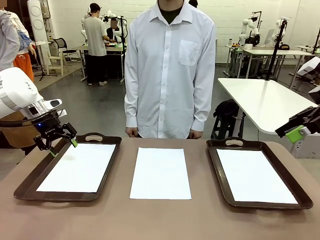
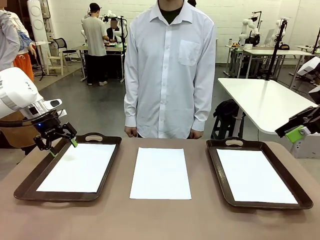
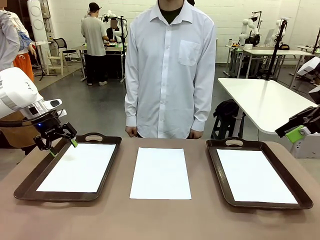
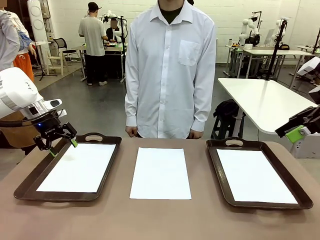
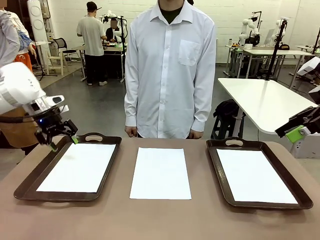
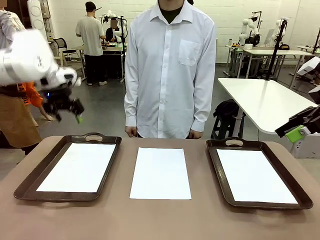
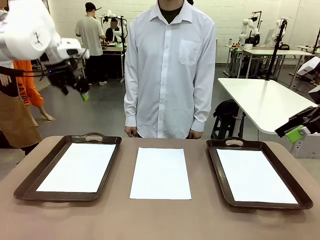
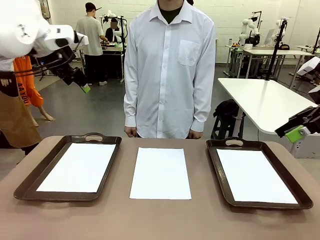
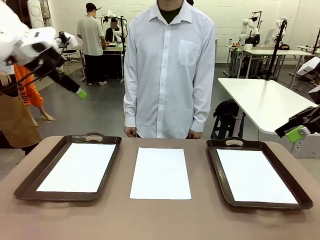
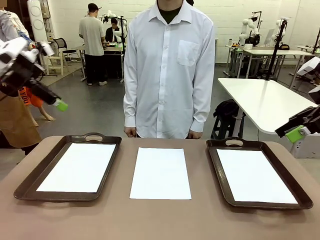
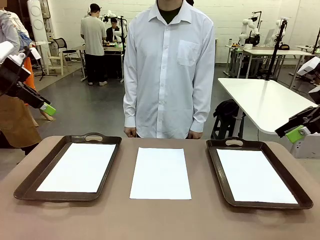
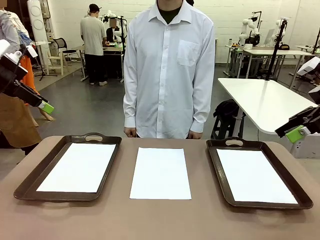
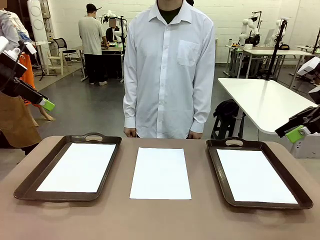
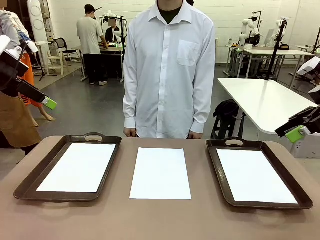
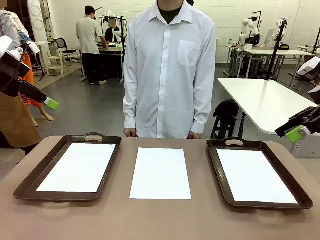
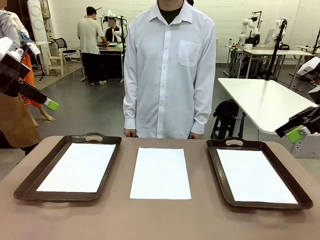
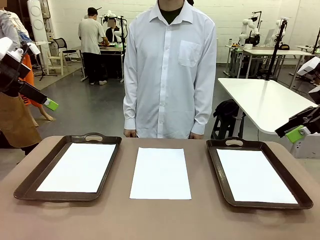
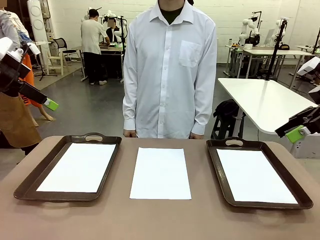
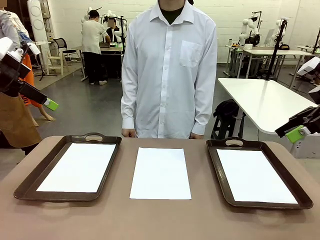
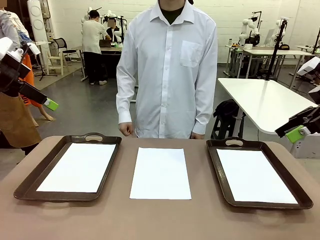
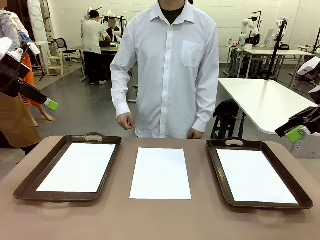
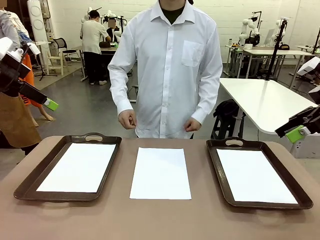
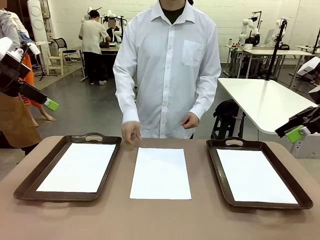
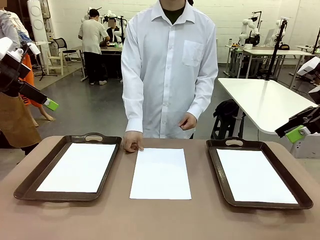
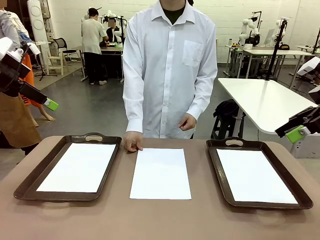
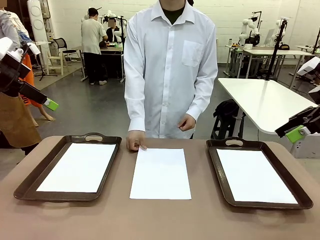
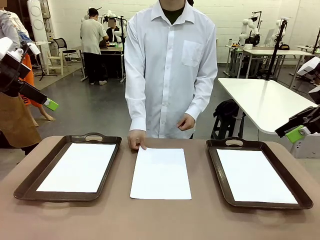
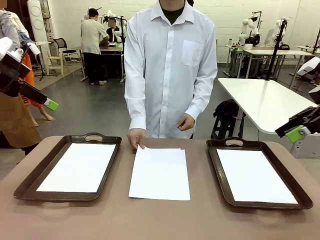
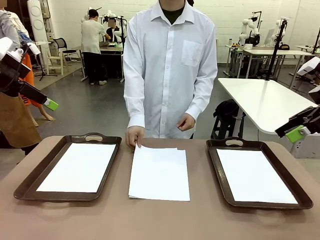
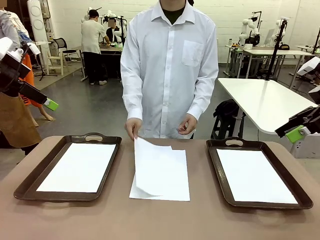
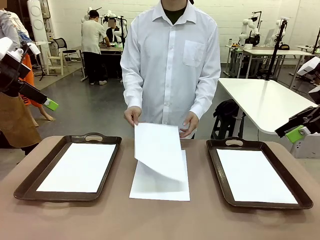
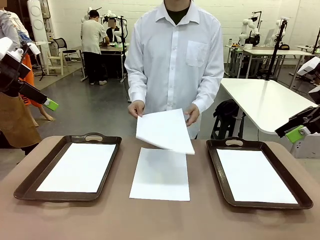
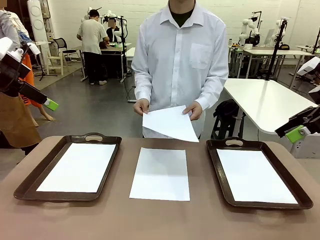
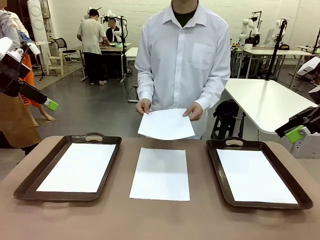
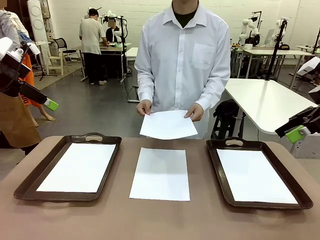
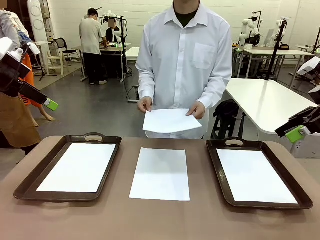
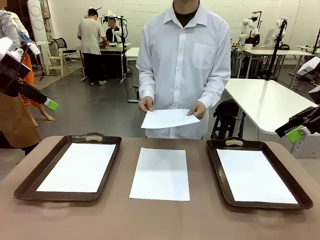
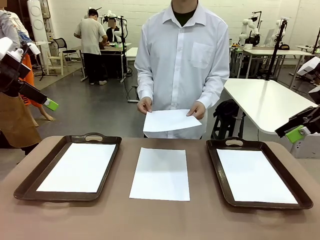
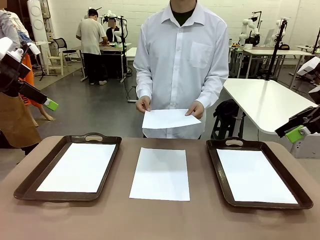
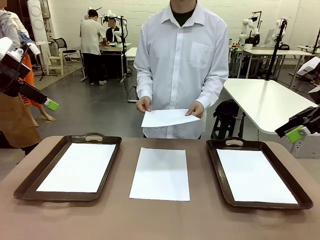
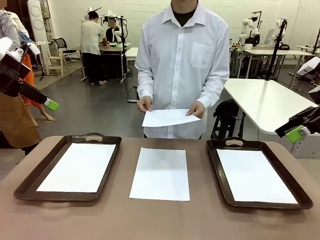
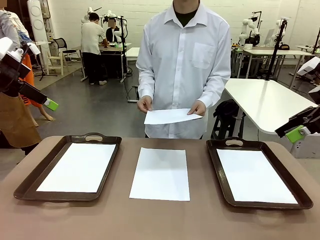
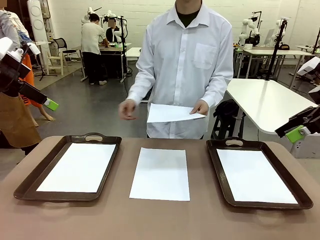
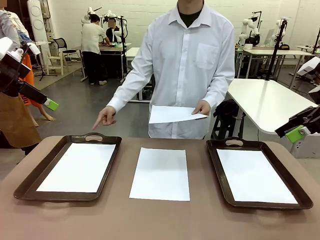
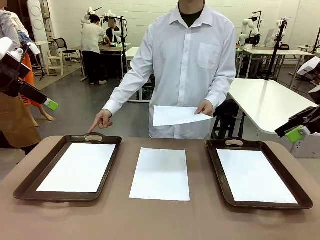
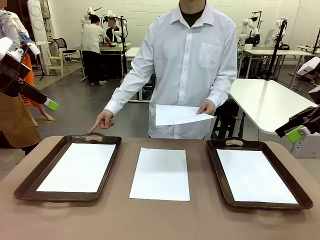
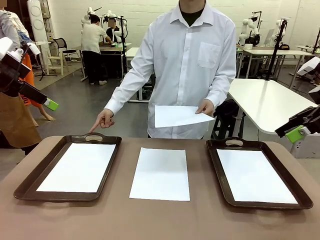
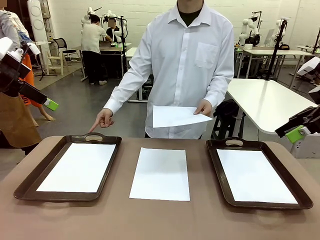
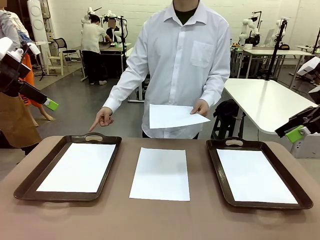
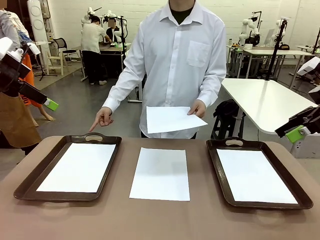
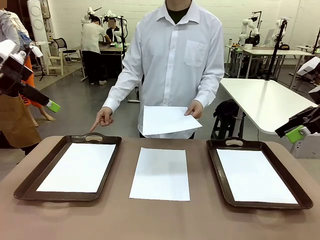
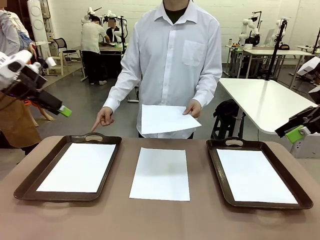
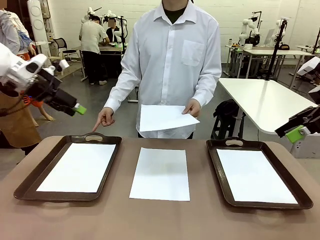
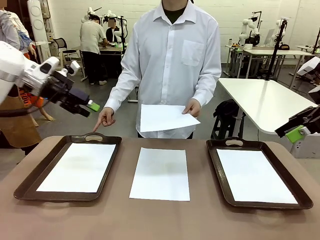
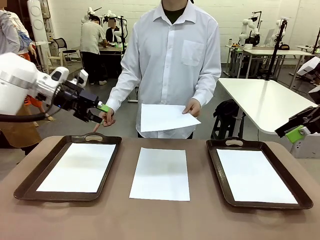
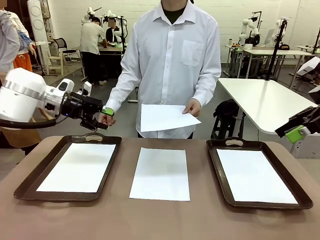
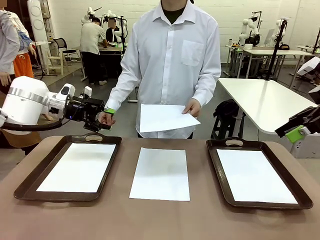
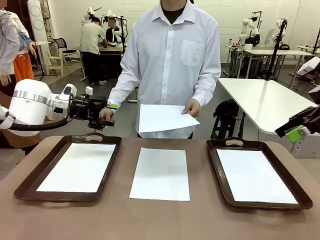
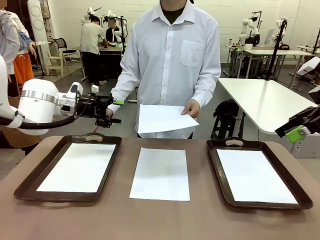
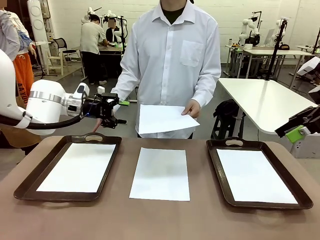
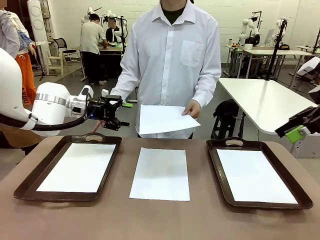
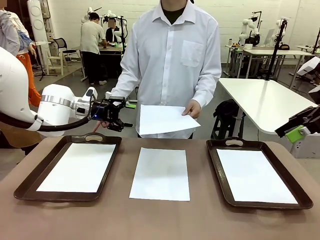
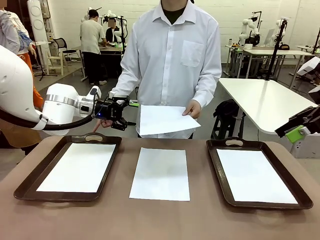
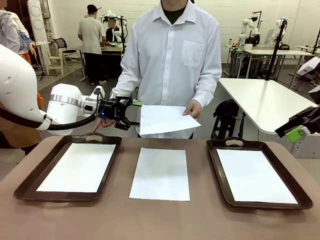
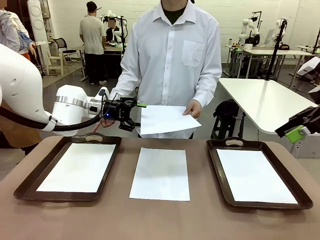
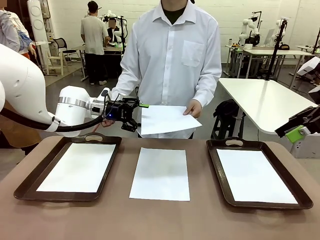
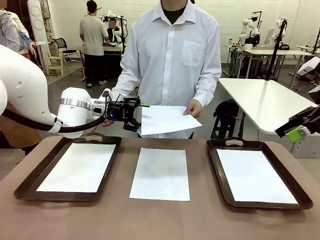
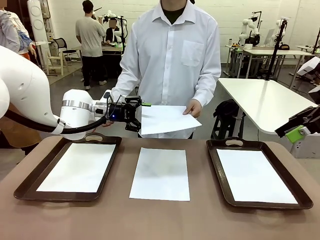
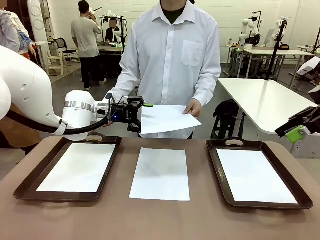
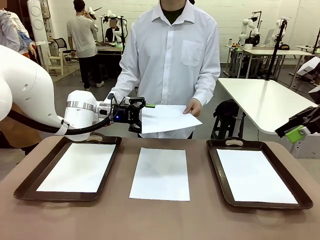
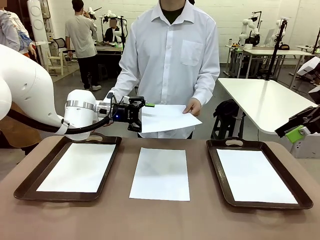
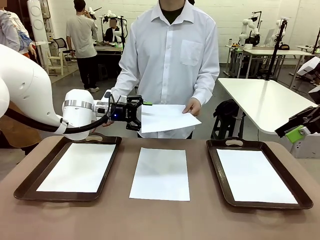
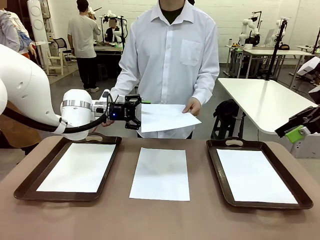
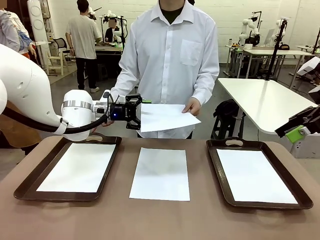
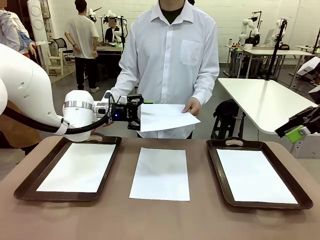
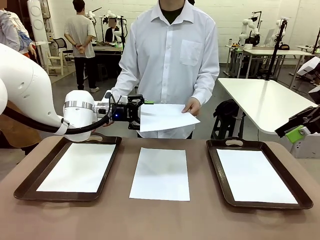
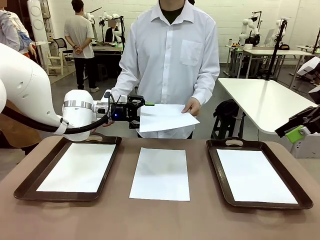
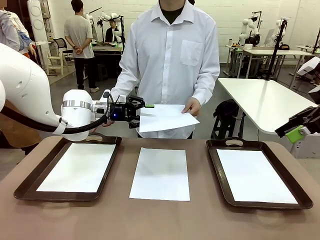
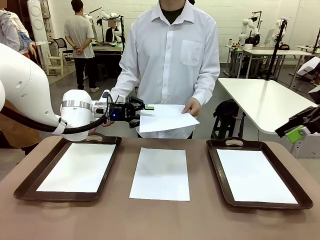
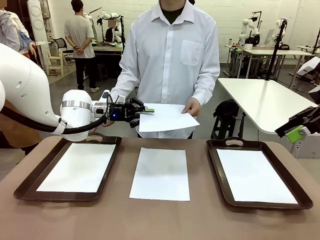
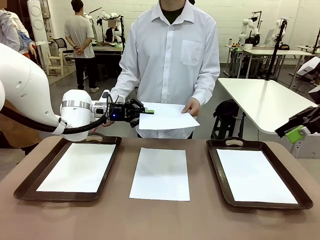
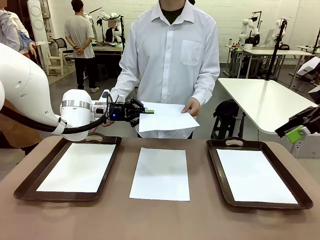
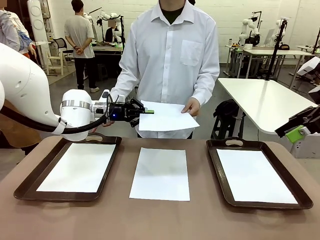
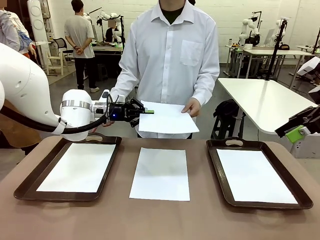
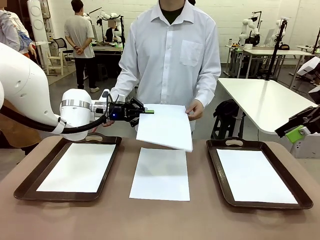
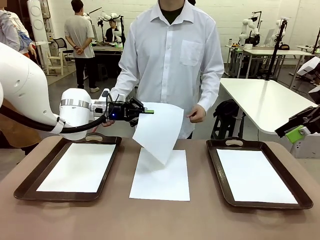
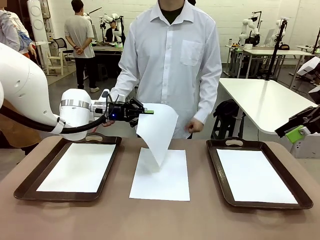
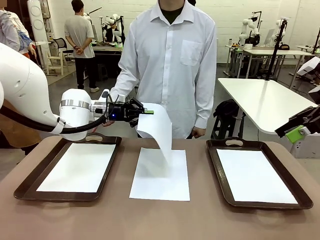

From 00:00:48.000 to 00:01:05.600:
Task: Sort the A4 documents.
Robot: Receive the A4 Paper.
Person: Point the randomly selected tray with the other hand.

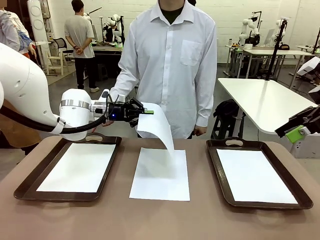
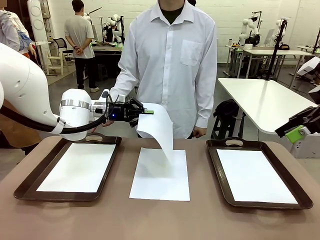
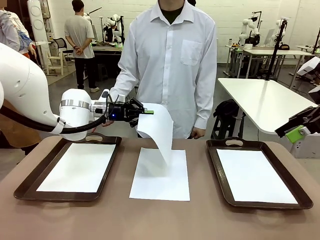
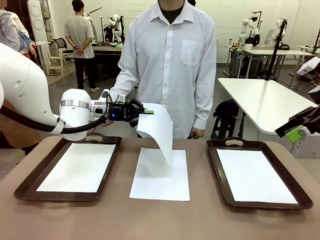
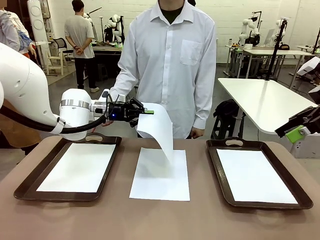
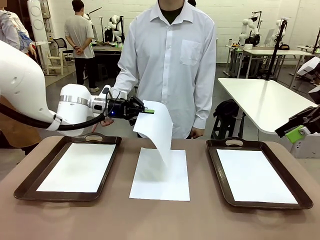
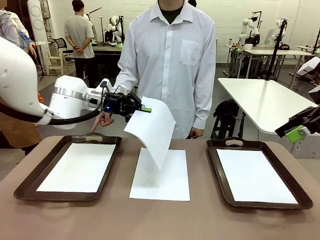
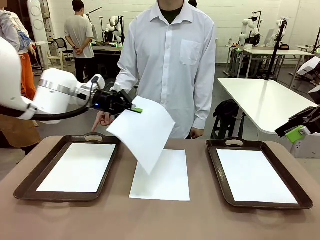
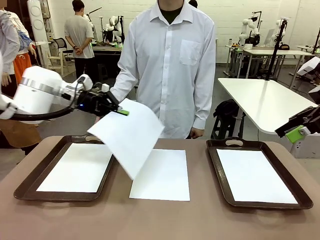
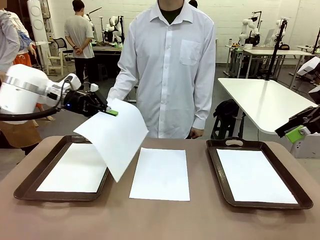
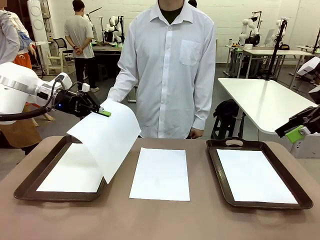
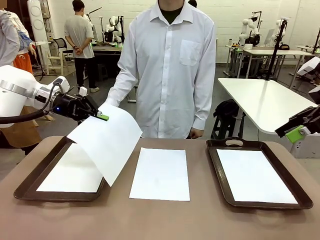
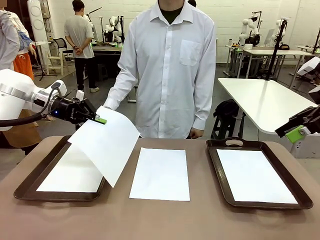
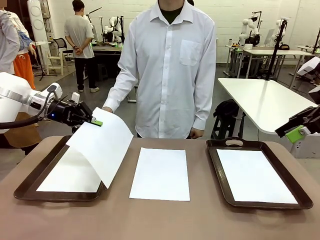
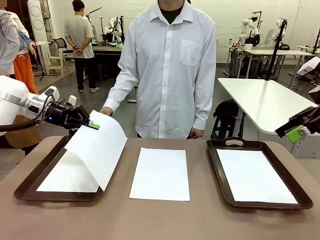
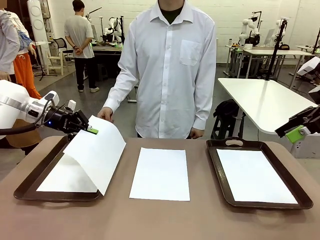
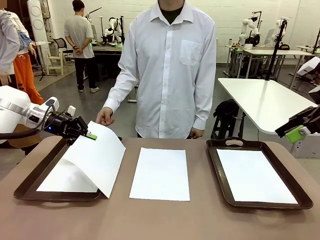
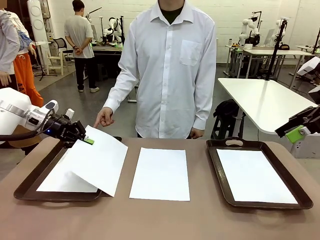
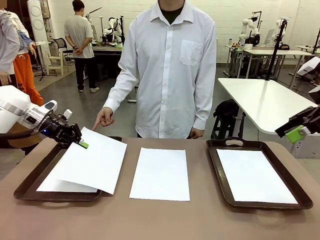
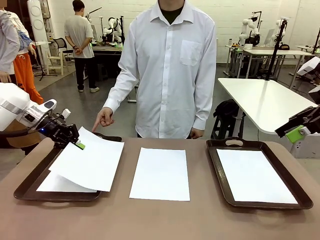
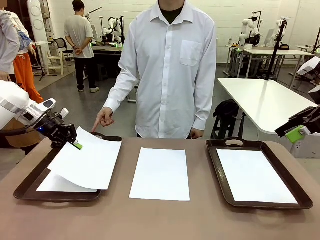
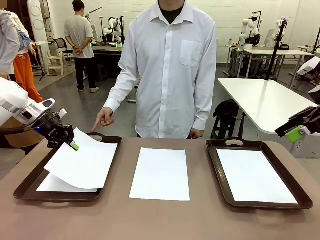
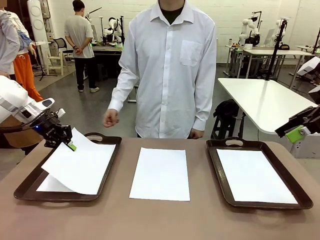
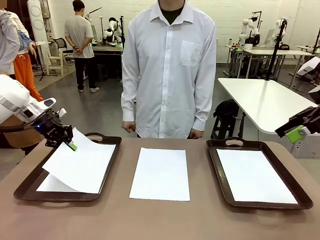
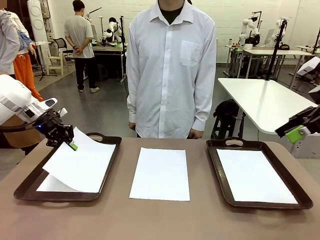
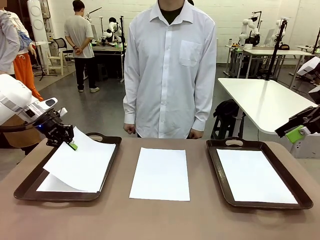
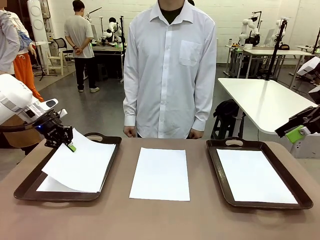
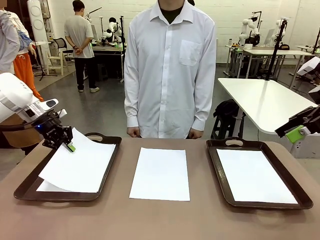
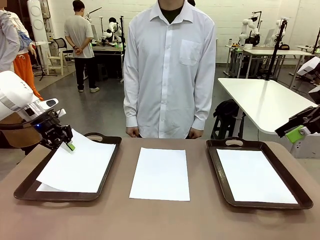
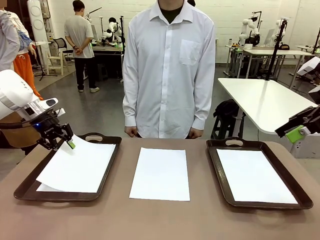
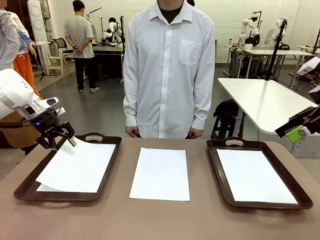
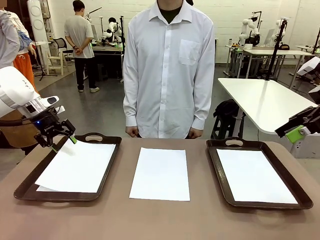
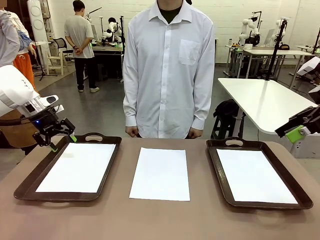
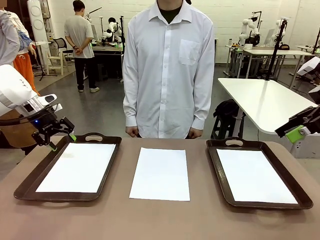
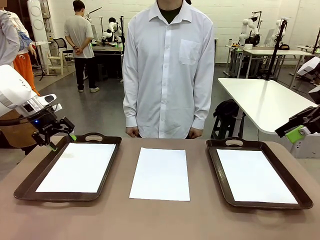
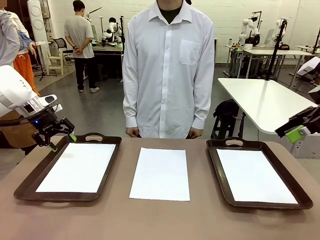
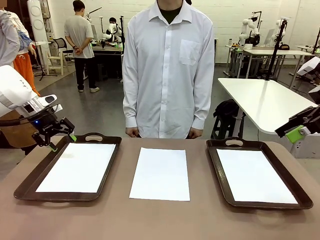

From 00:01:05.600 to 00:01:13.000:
Robot: Place the A4 Paper in the designated Handle tray.
